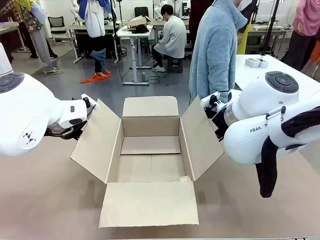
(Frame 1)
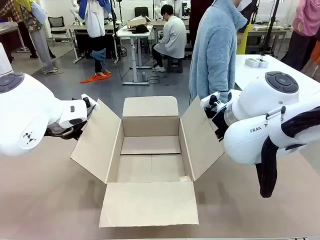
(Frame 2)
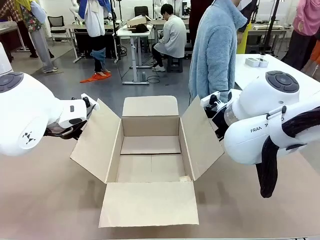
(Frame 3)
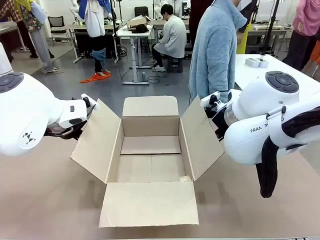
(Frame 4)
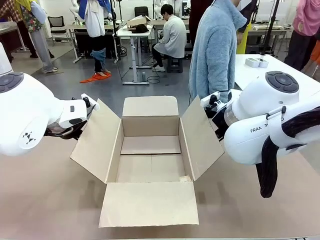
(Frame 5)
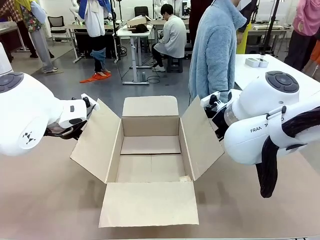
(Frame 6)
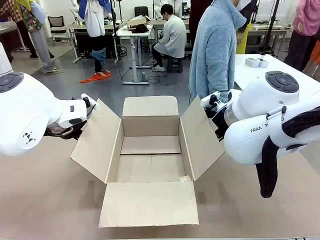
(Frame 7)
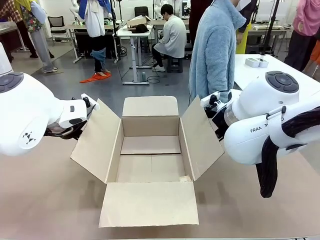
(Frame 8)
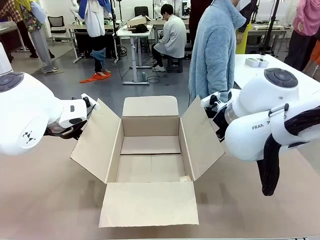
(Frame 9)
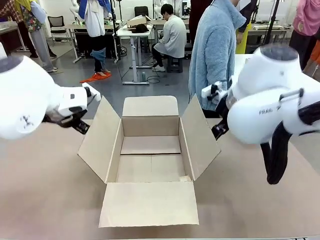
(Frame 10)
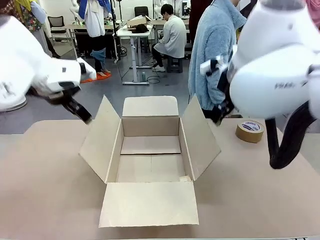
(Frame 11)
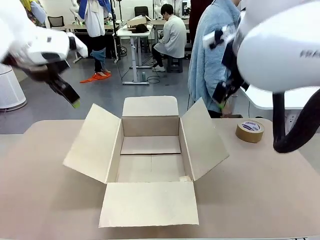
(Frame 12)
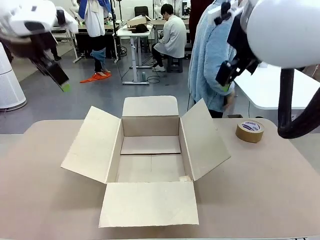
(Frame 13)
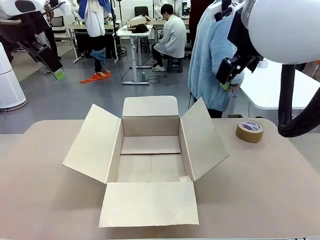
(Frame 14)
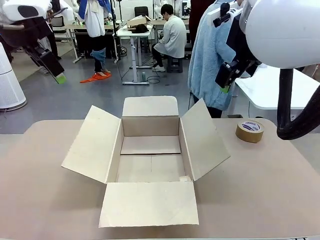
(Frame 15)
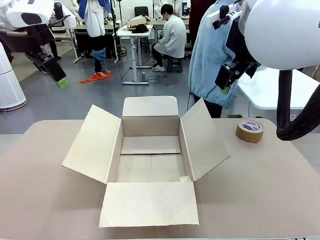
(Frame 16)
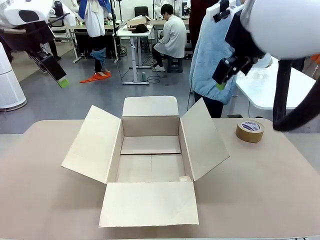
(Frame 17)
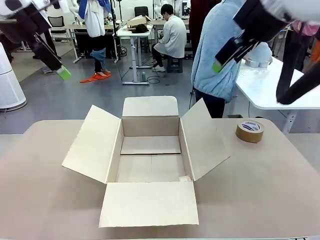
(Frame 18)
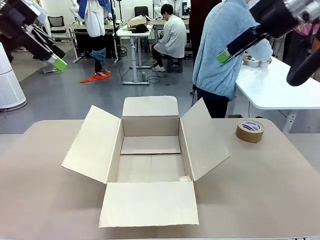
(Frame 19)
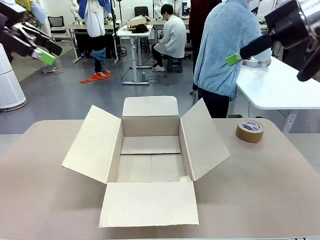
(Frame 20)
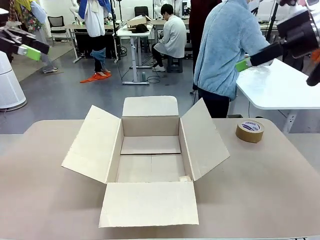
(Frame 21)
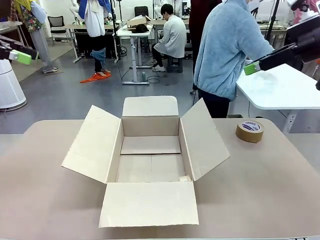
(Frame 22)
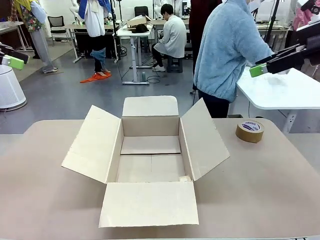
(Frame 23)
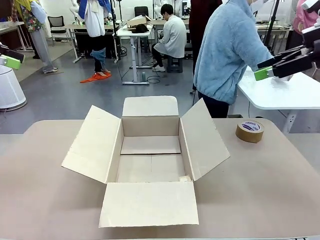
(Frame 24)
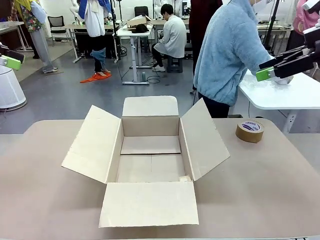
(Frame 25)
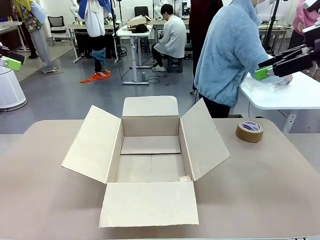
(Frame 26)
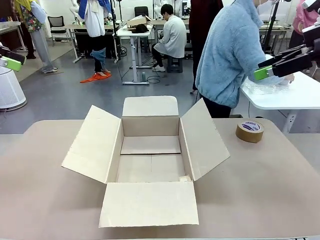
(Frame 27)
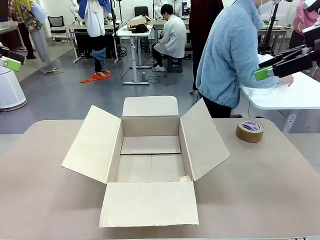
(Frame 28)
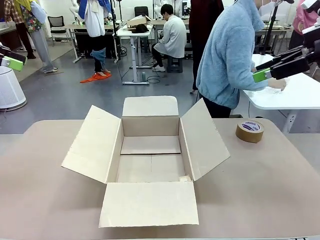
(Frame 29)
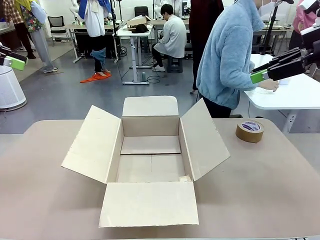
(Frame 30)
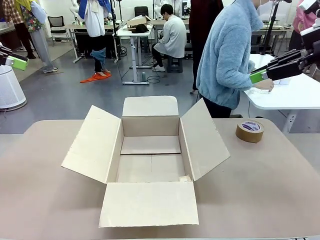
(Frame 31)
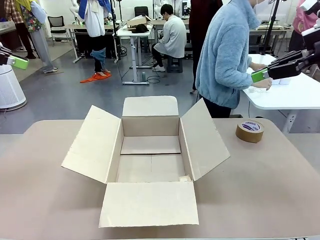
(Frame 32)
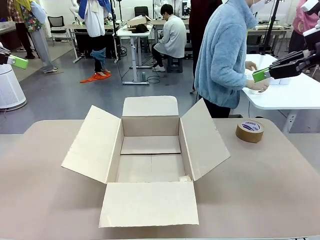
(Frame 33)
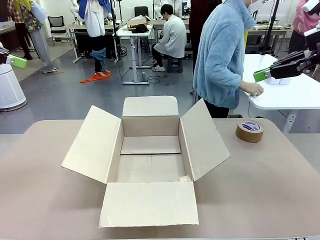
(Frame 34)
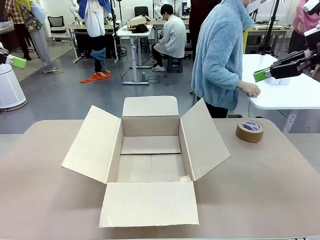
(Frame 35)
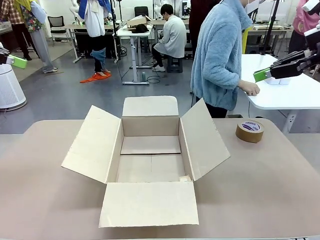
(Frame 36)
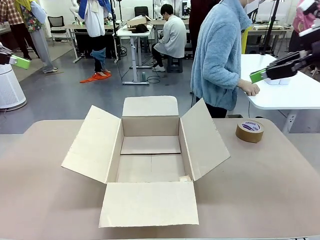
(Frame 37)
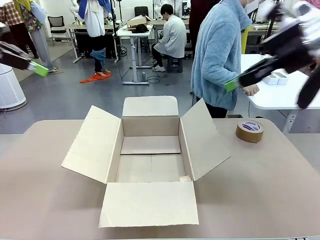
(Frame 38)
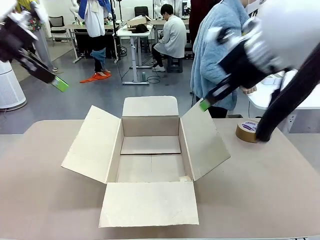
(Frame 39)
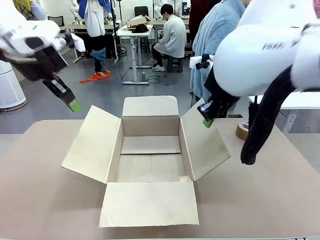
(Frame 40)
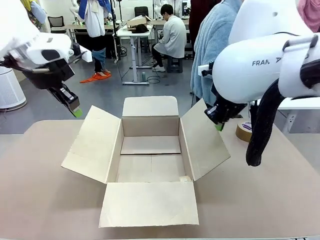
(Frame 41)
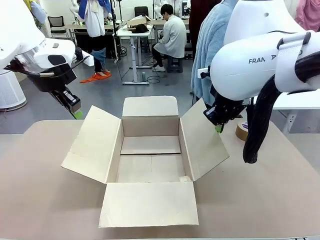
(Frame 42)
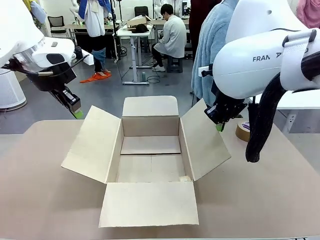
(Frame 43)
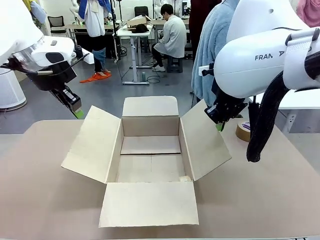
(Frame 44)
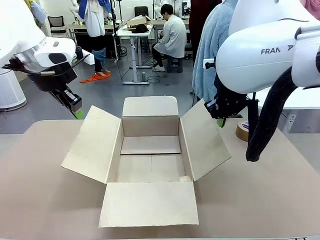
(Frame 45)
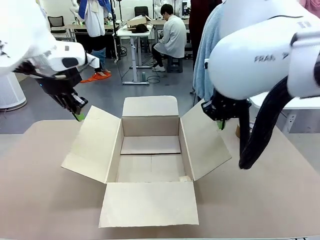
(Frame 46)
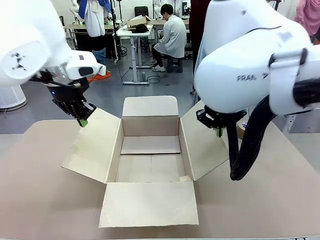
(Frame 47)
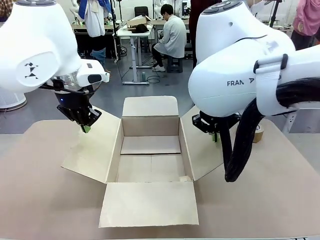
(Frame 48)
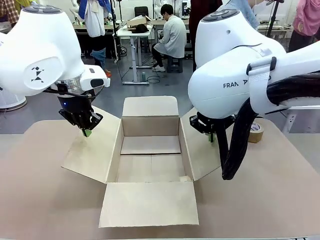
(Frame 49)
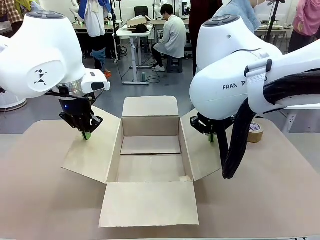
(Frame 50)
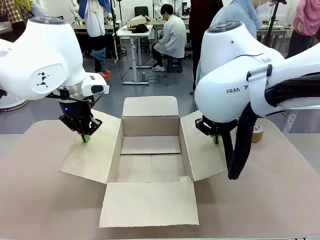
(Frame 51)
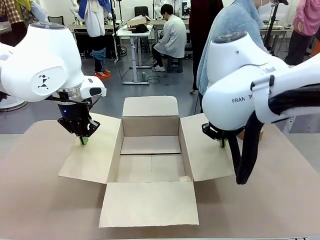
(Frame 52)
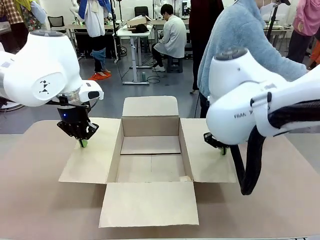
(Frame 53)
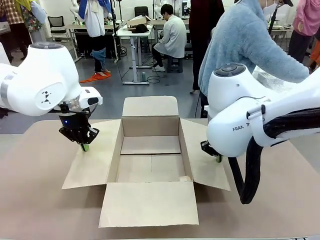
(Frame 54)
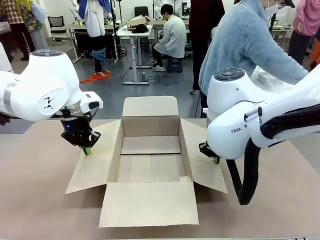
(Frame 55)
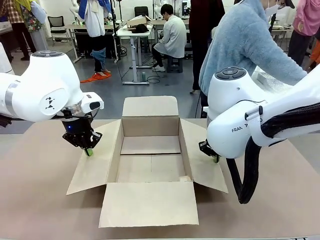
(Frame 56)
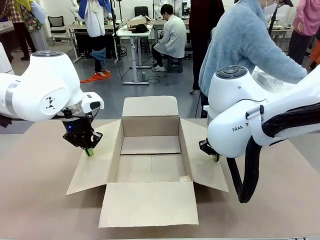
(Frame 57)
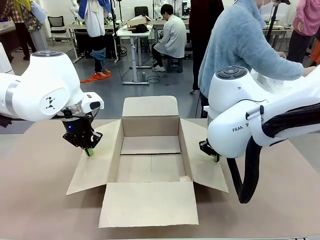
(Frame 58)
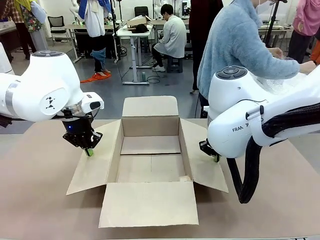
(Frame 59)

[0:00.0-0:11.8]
Task: Wrap the clocks to prevent damage.
Robot: Open the side flaps of the Package Box.
Person: Wrap the two Digital clocks with Bubble Wrap.

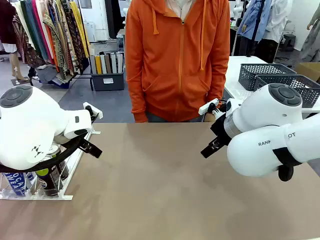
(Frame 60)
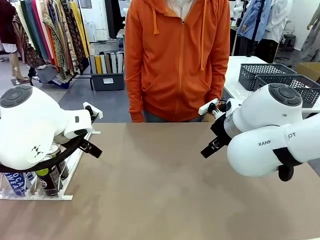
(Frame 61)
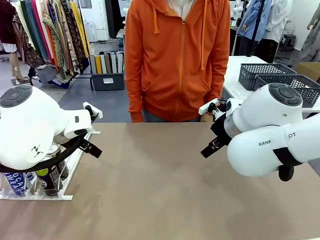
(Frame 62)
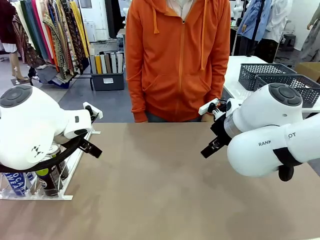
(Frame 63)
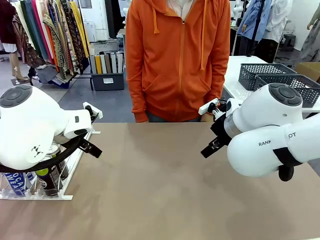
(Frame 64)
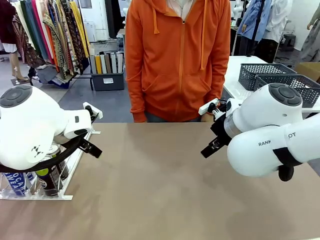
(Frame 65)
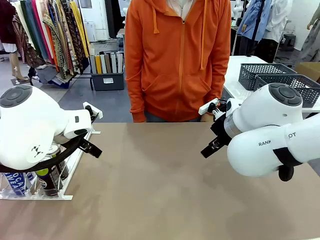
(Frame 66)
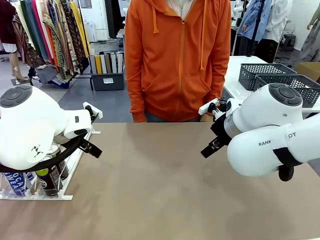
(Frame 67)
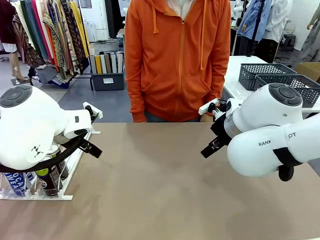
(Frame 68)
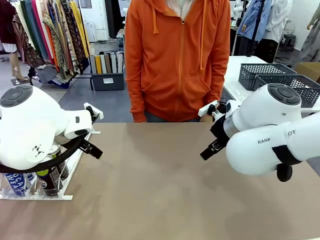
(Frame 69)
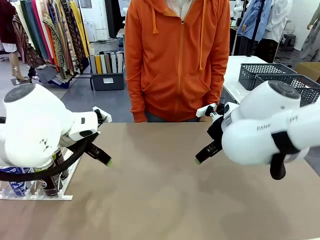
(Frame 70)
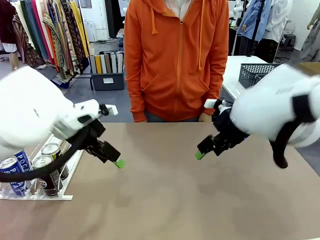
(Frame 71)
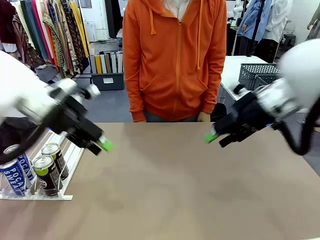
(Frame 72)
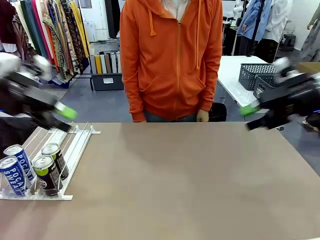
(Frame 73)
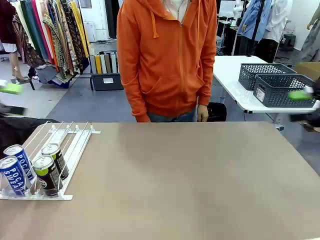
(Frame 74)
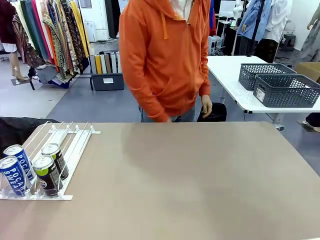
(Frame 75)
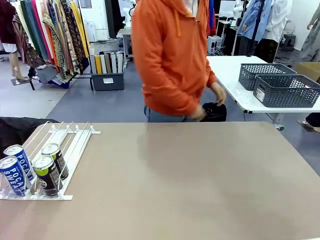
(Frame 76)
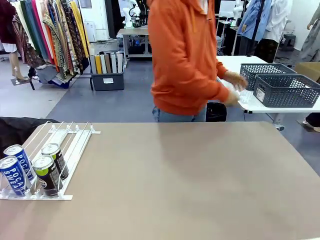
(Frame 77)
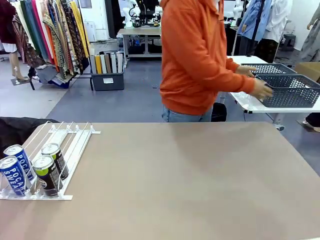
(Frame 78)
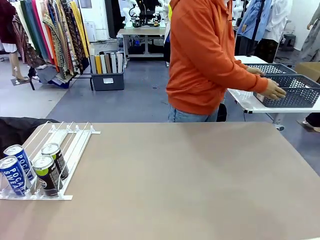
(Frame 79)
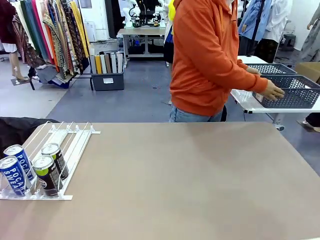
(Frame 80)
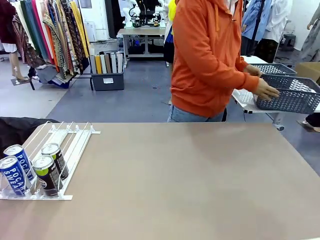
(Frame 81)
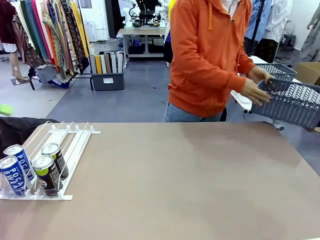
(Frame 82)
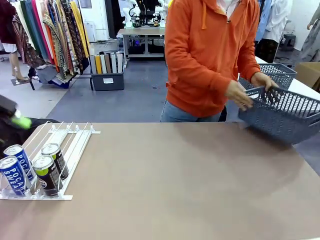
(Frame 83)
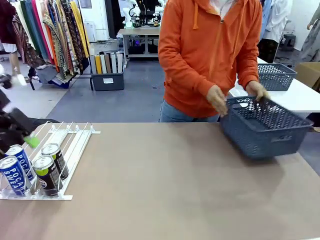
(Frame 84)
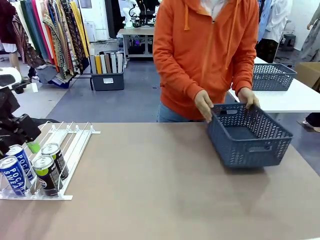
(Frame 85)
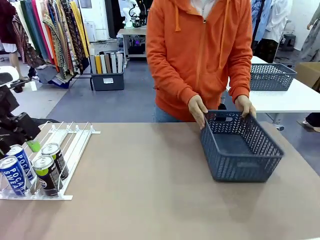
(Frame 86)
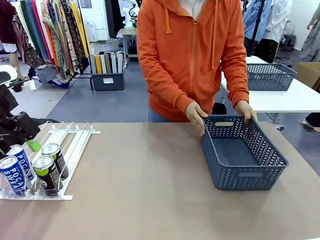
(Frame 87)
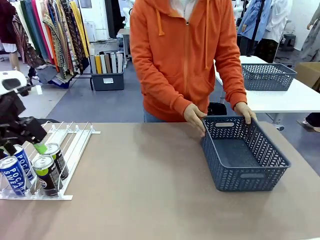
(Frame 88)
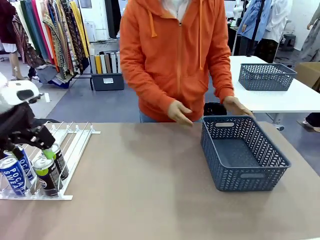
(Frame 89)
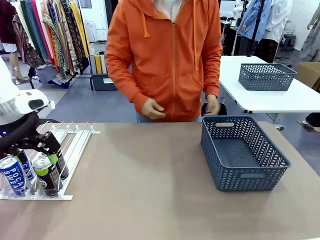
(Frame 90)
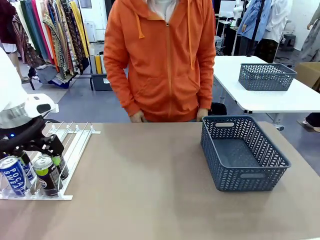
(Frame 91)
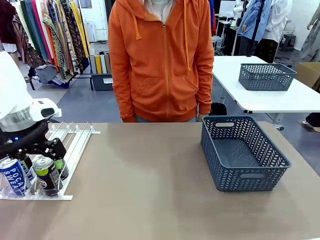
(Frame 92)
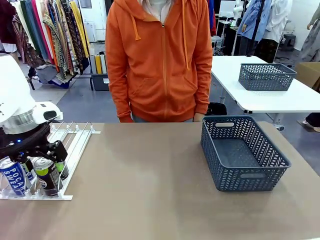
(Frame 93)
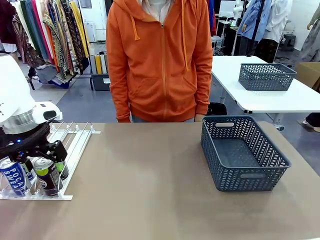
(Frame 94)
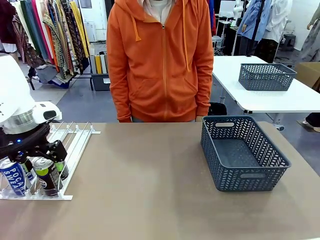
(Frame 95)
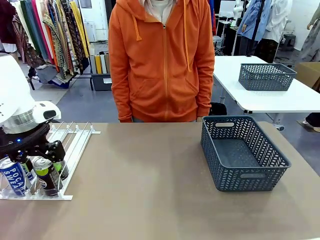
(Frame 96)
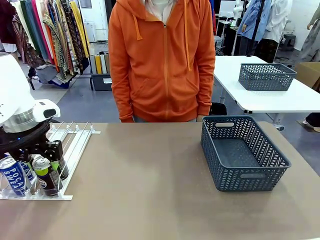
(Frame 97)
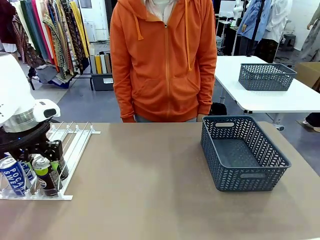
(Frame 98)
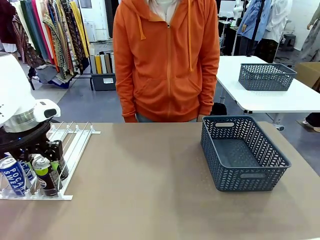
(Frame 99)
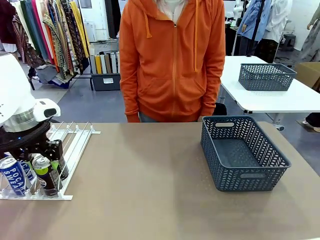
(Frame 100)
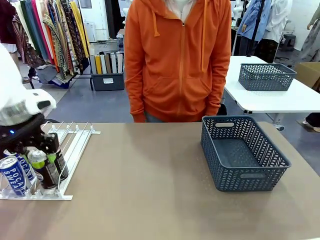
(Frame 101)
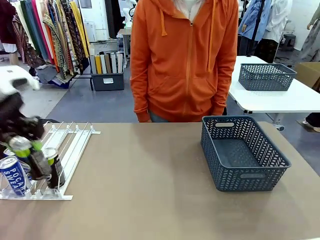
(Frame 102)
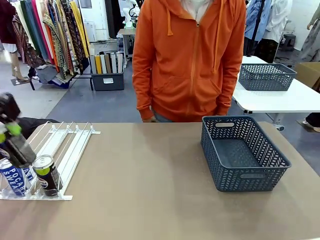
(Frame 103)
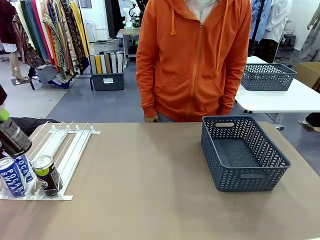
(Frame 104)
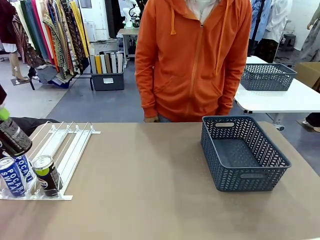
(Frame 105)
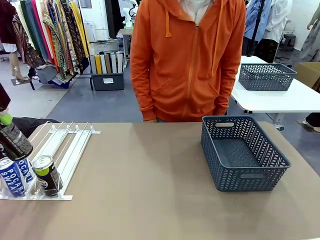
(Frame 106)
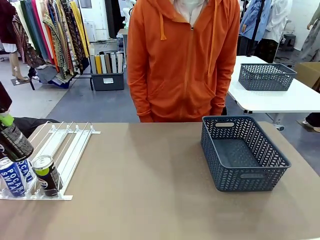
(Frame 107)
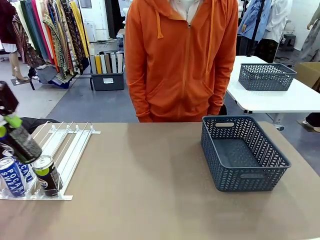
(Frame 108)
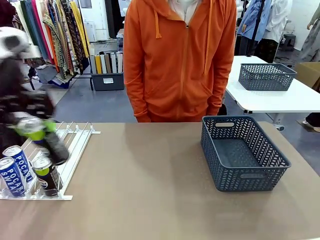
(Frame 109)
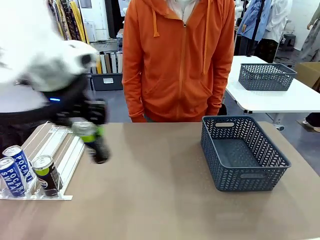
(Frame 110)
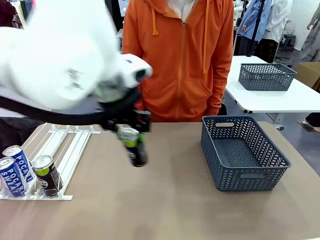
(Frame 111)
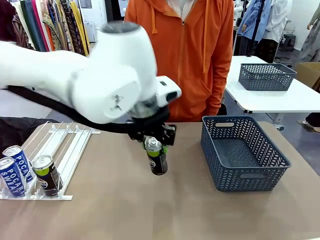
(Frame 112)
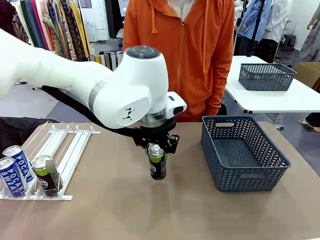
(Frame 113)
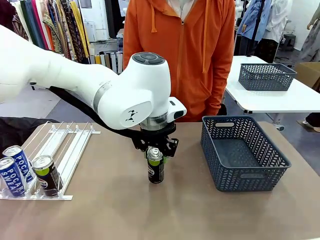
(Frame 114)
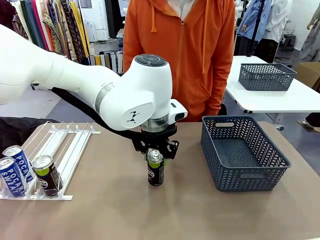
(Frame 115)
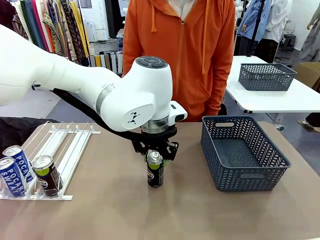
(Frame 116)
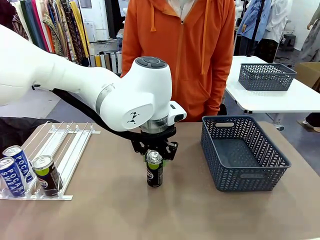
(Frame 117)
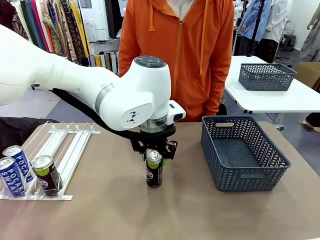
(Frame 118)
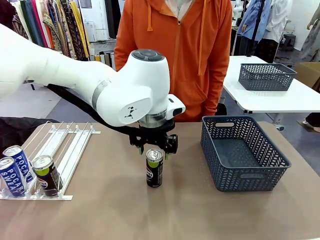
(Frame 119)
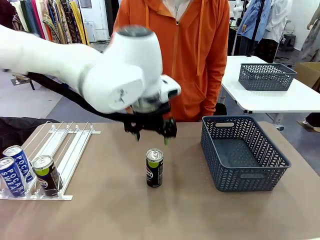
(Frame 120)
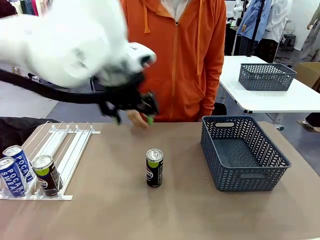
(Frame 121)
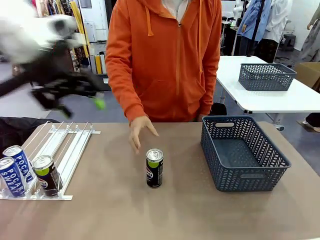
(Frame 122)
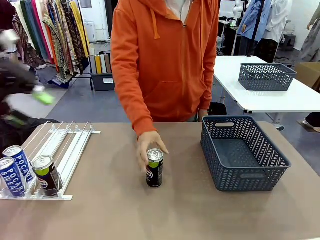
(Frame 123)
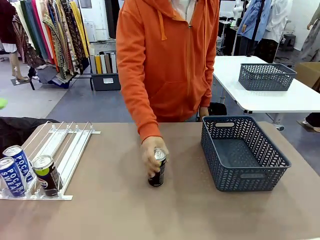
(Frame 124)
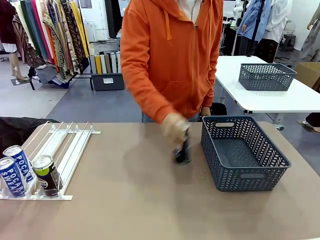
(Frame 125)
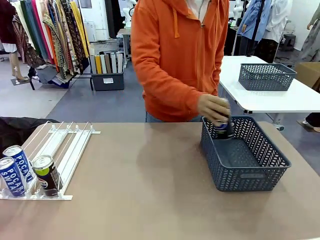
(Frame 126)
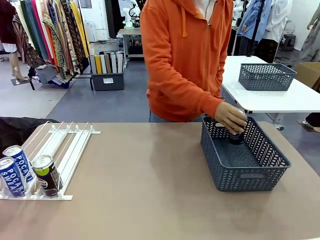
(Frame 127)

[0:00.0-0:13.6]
Task: Retrieve and store the cans from the dispenser.
Robot: Pick up one can from the Automatic Can Dispenser and place it in the middle of the table.
Person: Pick up the basket and place it on the left side of the robot table.
